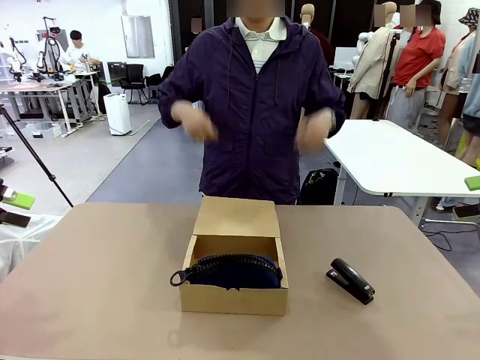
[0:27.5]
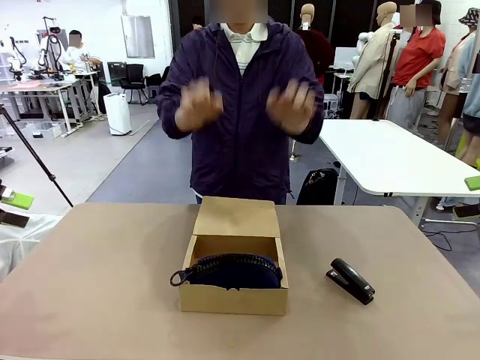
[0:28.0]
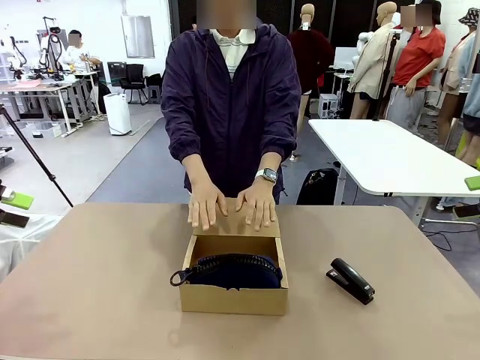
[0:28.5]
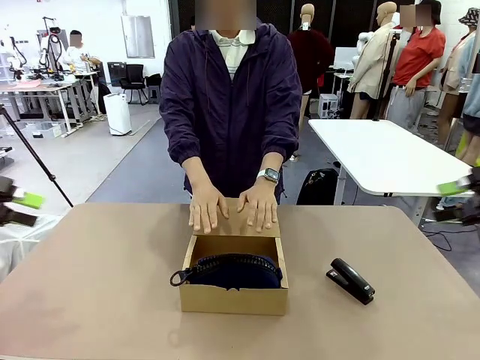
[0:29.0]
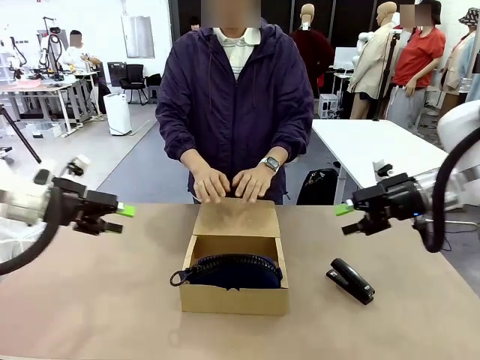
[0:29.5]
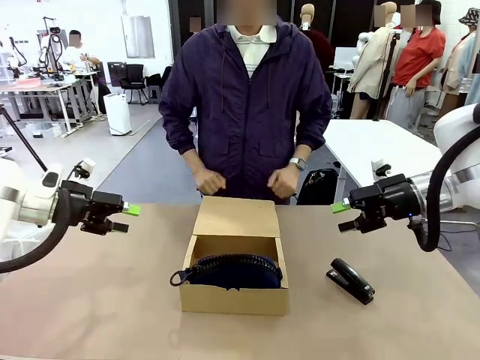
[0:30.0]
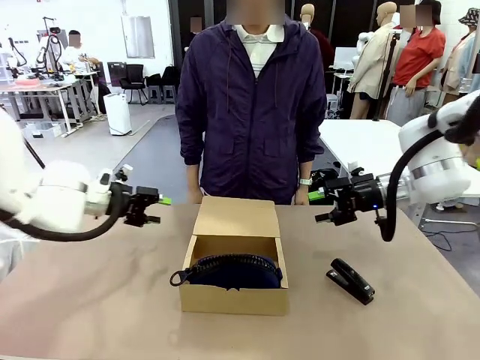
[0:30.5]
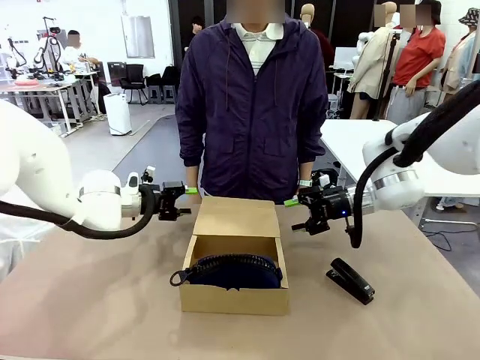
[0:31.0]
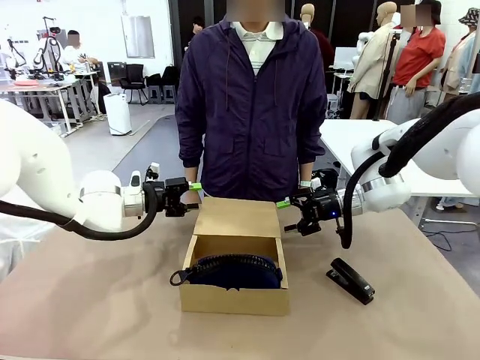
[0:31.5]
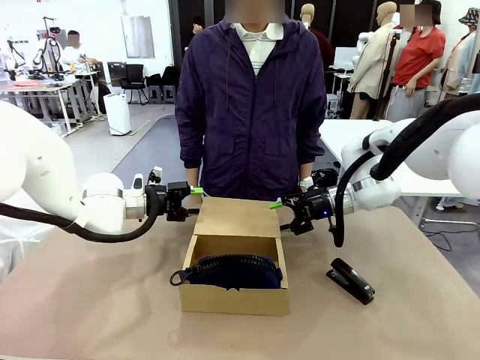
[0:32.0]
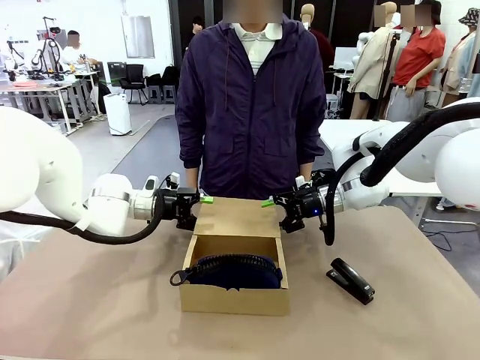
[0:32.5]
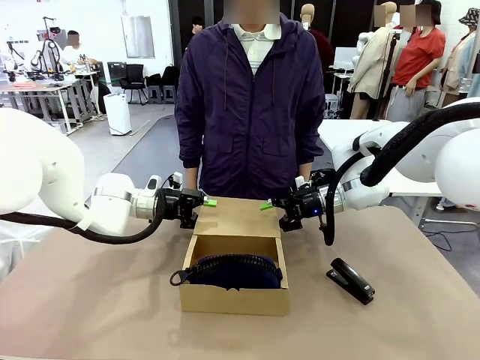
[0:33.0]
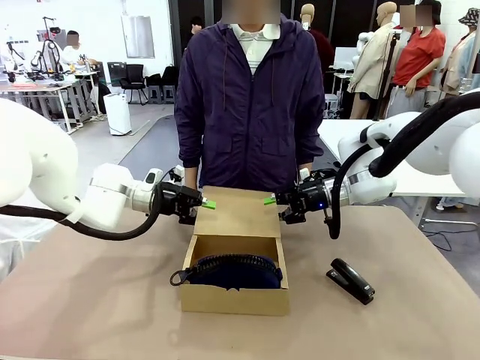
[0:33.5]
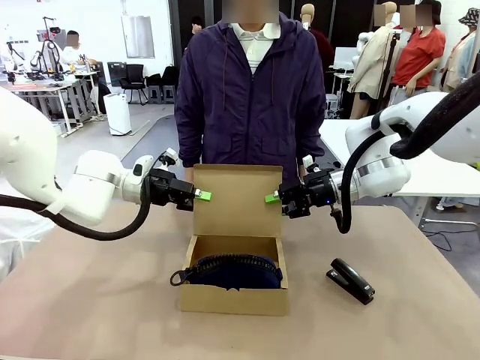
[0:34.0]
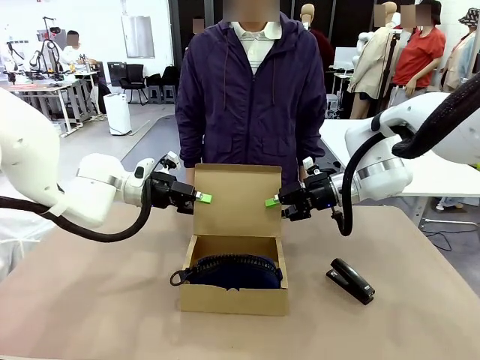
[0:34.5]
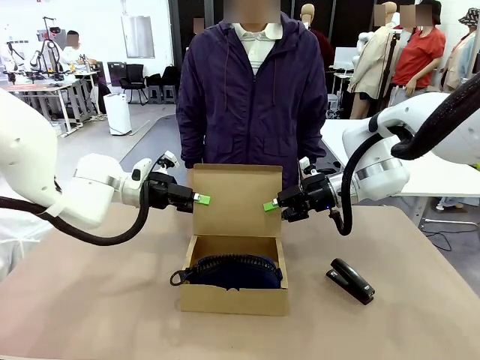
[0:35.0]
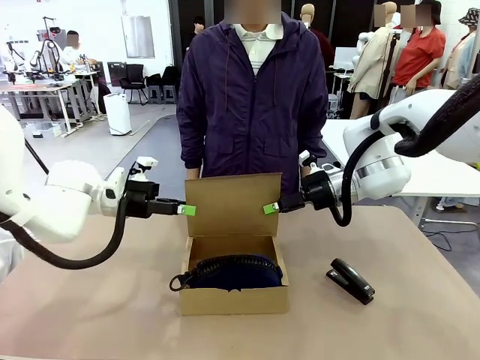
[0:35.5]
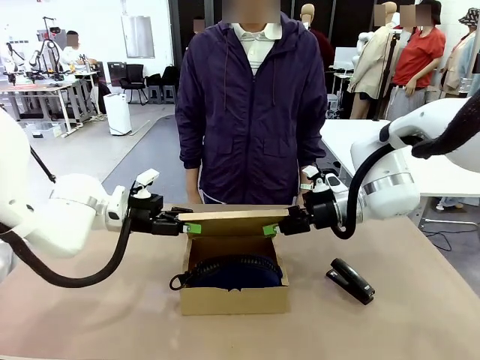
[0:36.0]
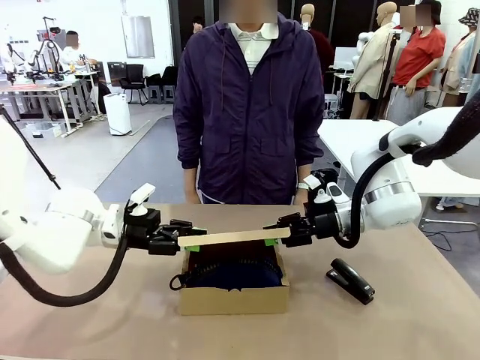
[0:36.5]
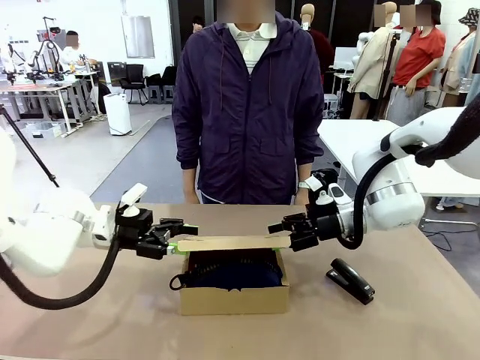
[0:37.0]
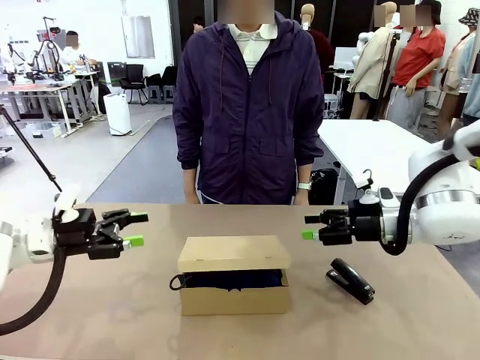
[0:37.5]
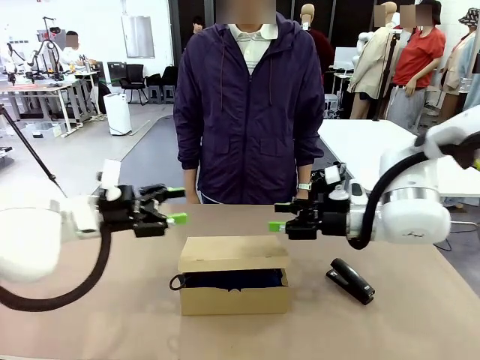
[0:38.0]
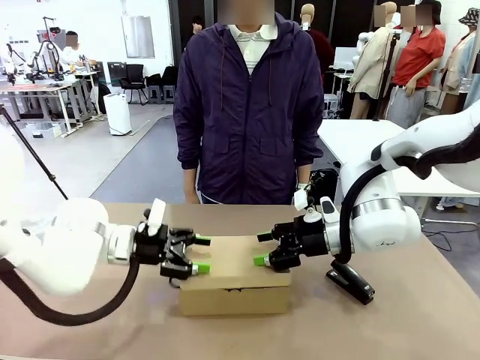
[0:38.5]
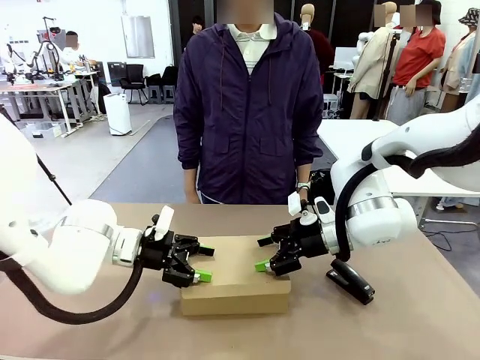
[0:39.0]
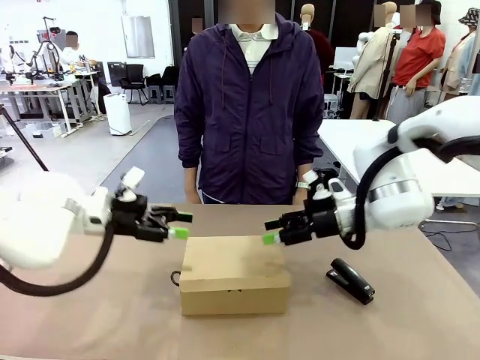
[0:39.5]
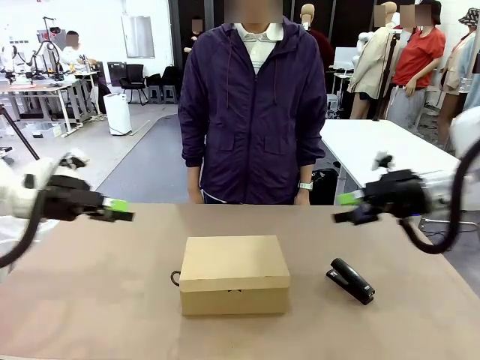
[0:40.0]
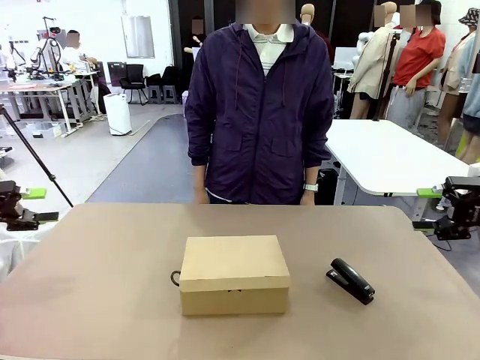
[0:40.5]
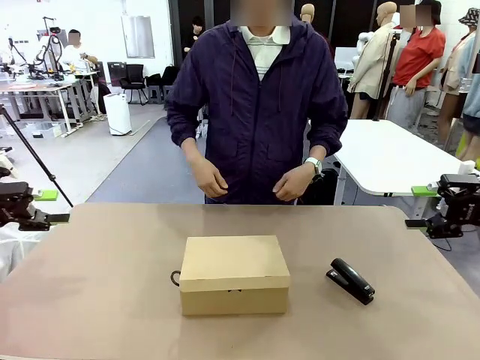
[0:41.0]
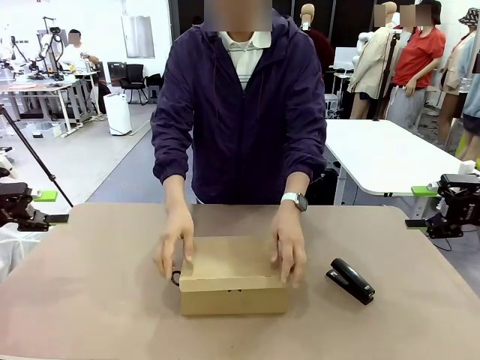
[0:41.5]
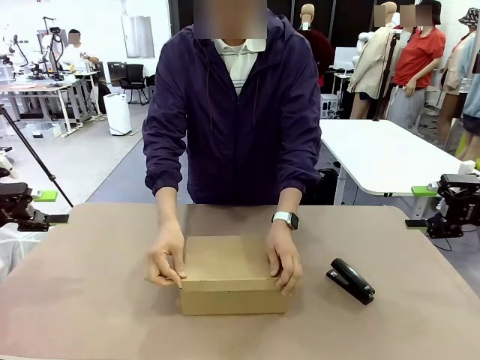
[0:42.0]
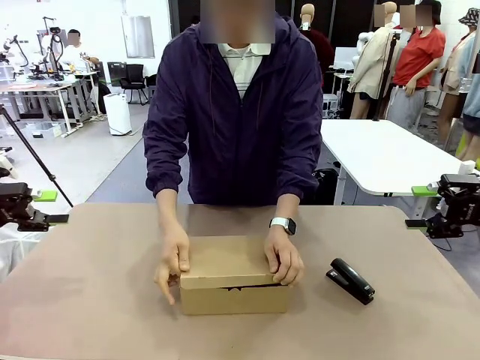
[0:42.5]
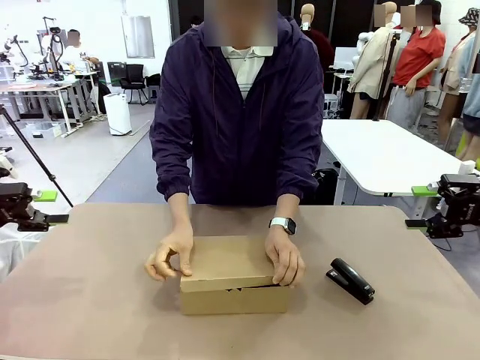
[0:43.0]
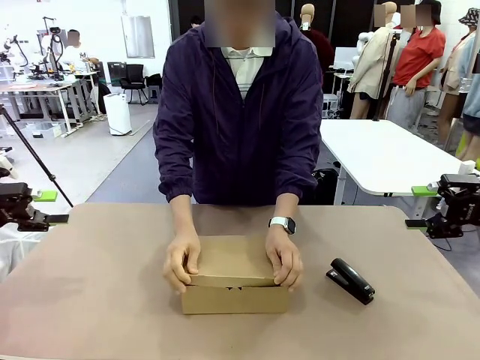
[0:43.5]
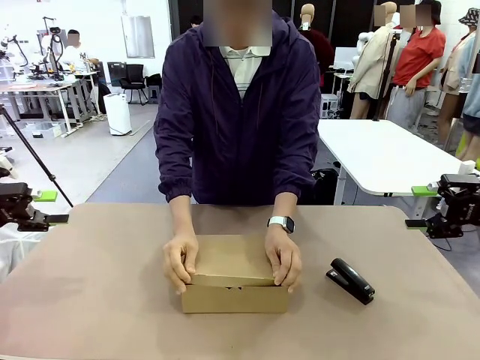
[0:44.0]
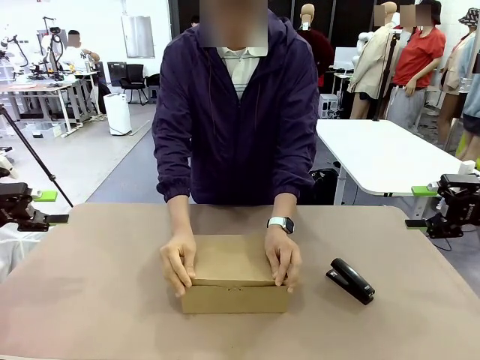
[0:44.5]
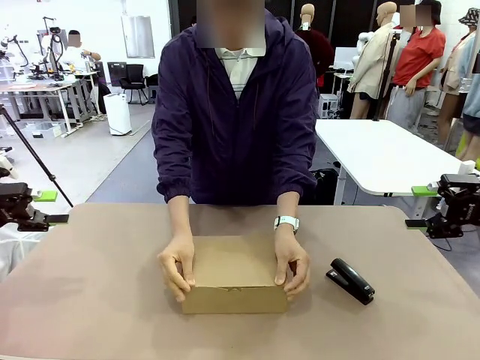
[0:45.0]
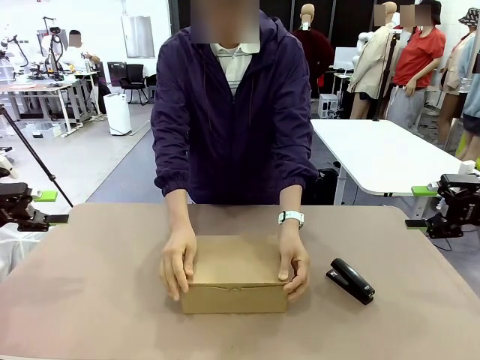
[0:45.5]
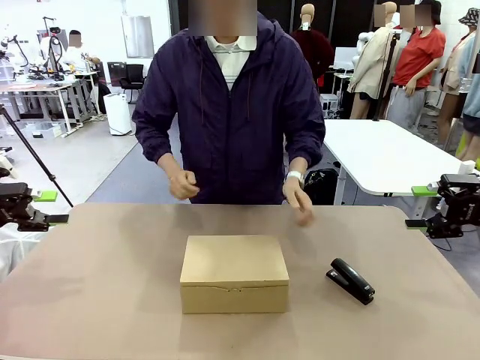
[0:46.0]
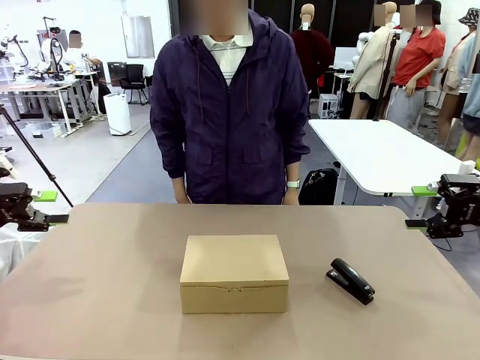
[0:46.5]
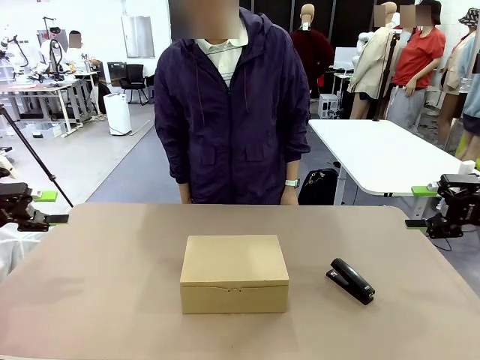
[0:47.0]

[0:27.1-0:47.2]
Task: Pack the items into the box.
Robot: Close the Mailer Box.
Person: Turn the box and lock it.
